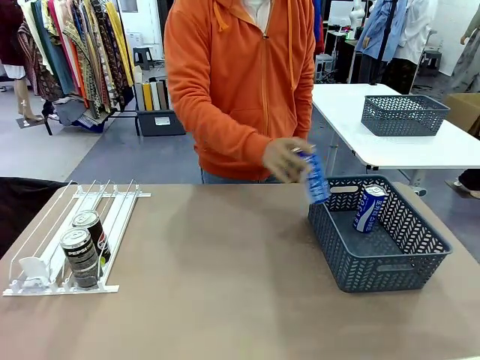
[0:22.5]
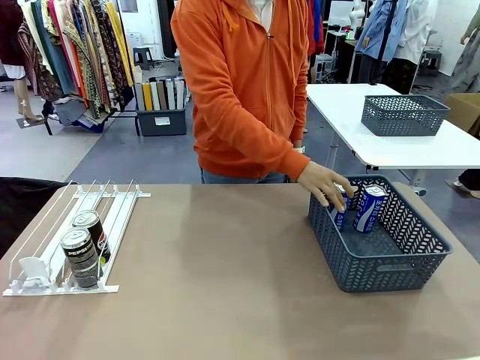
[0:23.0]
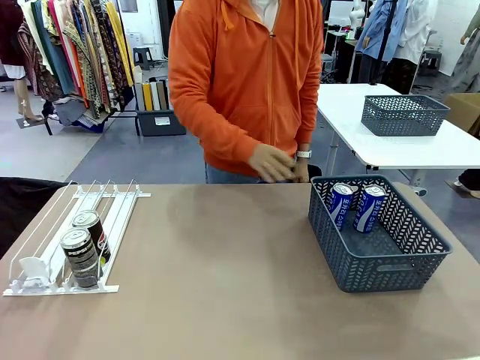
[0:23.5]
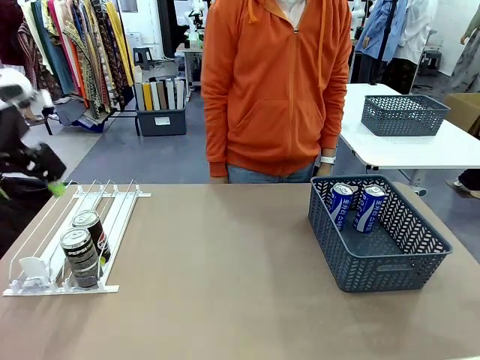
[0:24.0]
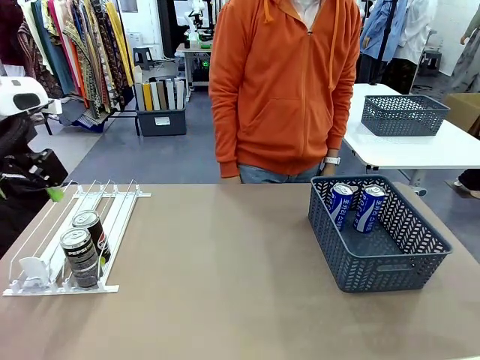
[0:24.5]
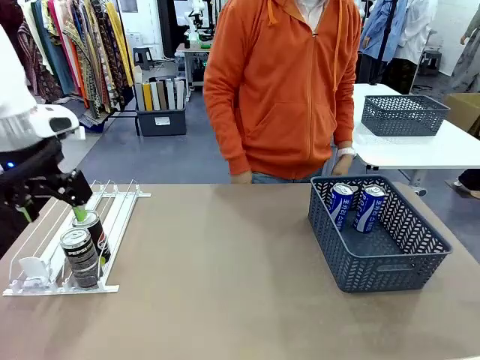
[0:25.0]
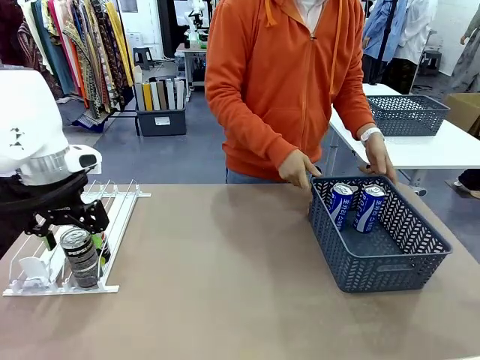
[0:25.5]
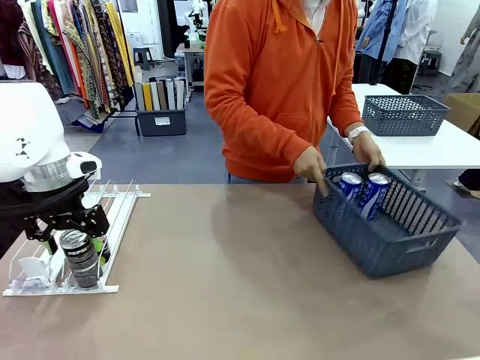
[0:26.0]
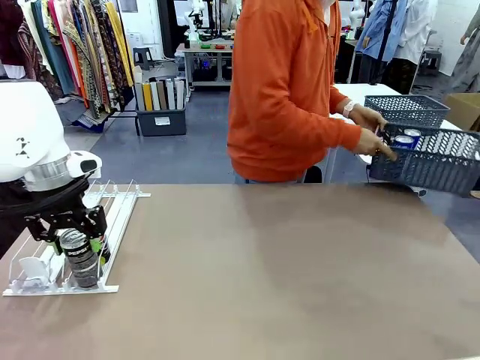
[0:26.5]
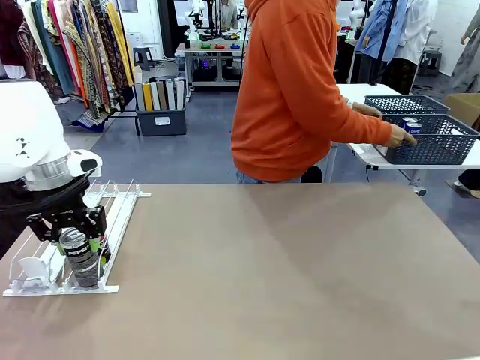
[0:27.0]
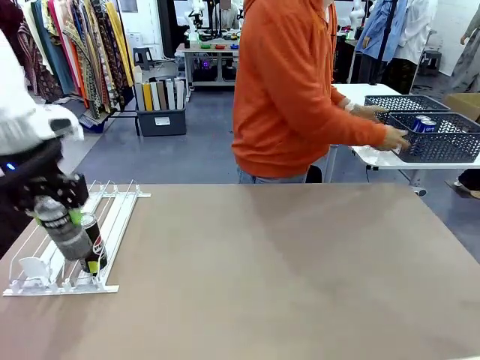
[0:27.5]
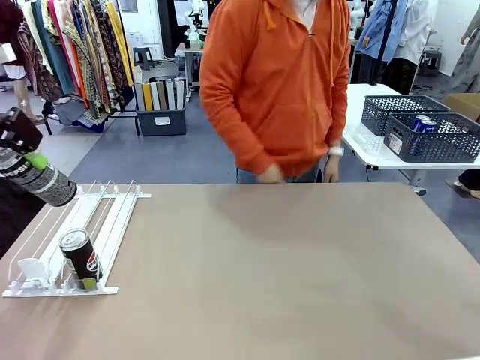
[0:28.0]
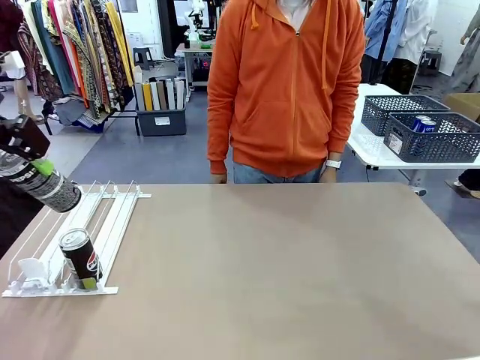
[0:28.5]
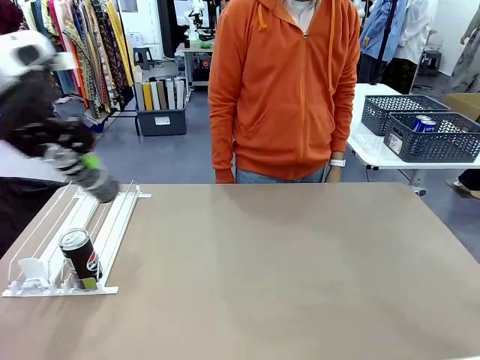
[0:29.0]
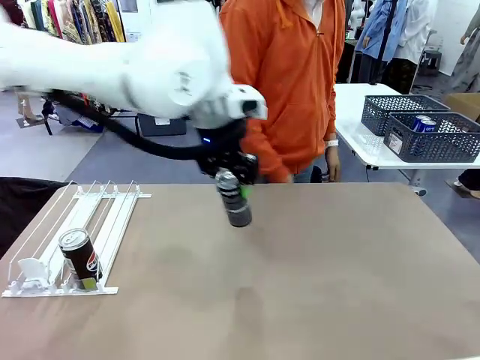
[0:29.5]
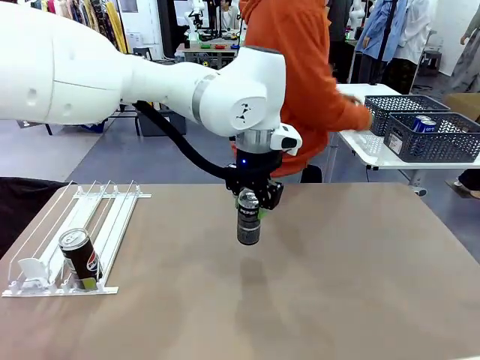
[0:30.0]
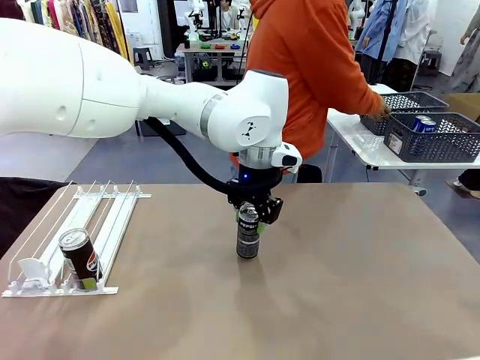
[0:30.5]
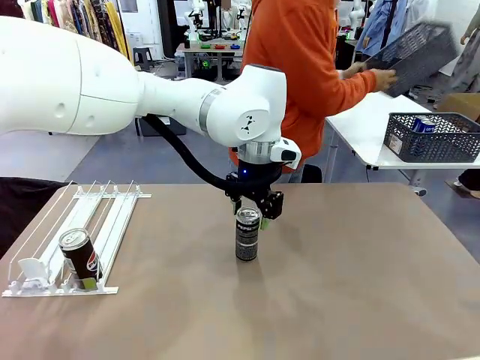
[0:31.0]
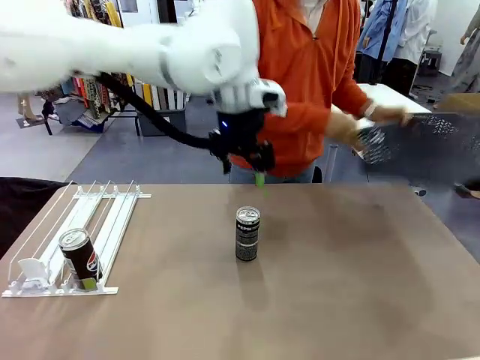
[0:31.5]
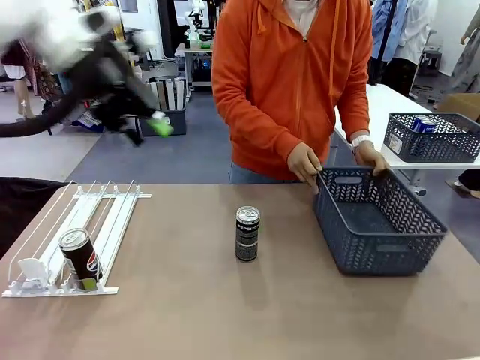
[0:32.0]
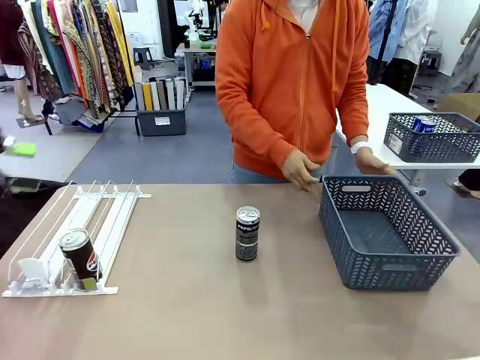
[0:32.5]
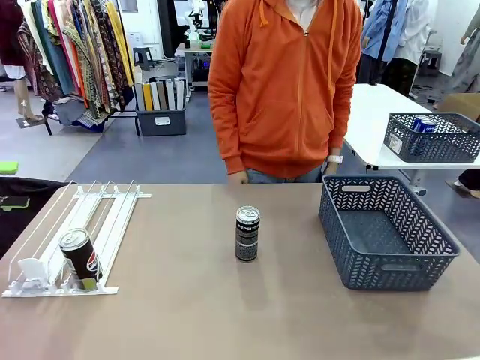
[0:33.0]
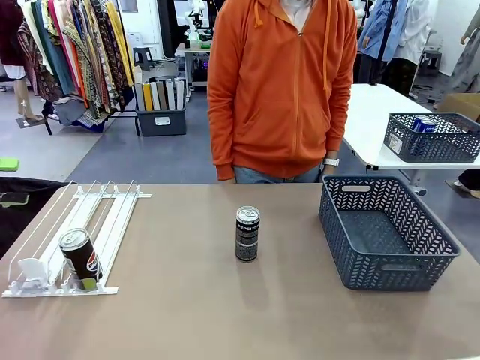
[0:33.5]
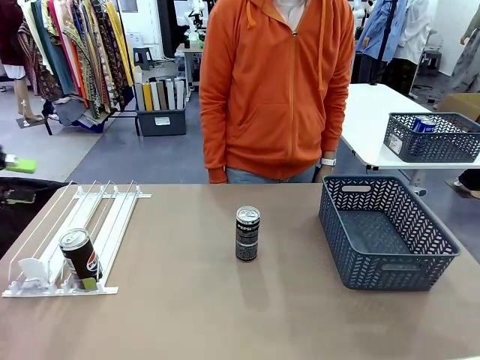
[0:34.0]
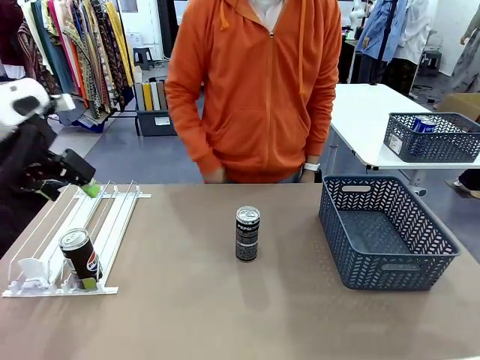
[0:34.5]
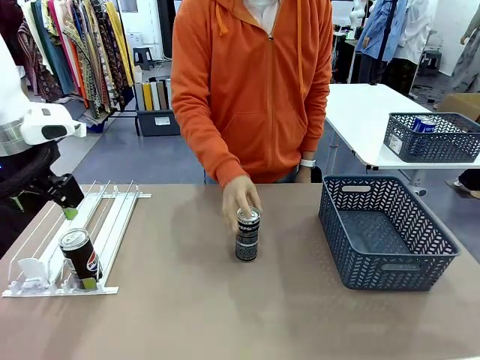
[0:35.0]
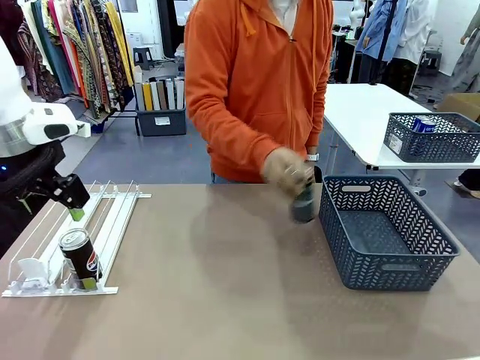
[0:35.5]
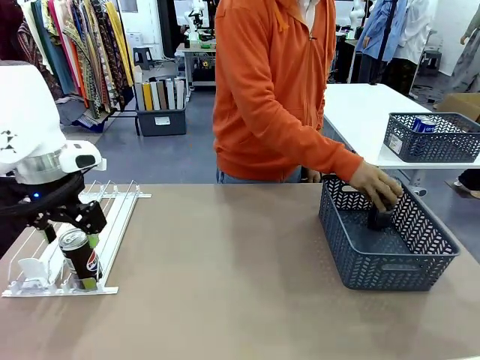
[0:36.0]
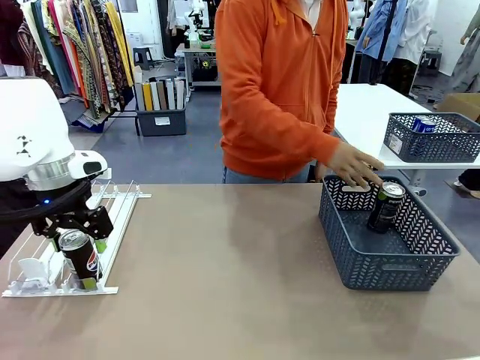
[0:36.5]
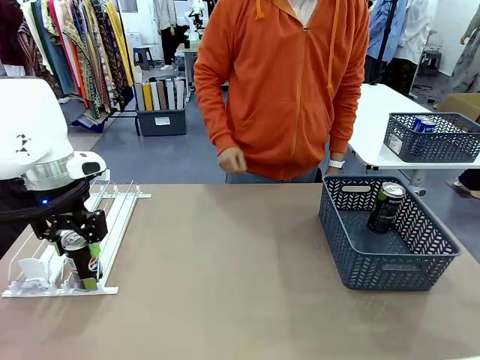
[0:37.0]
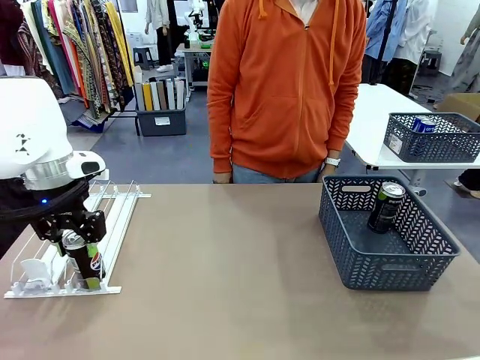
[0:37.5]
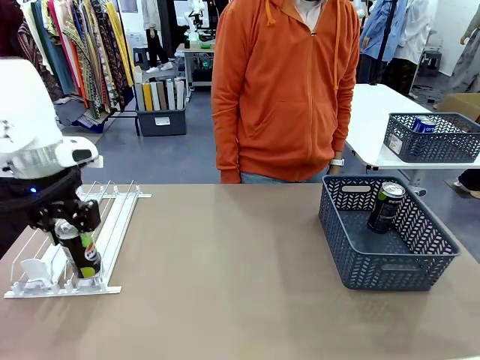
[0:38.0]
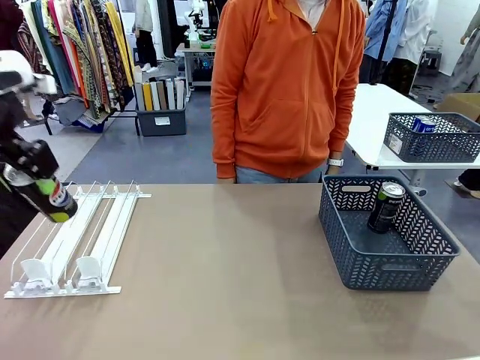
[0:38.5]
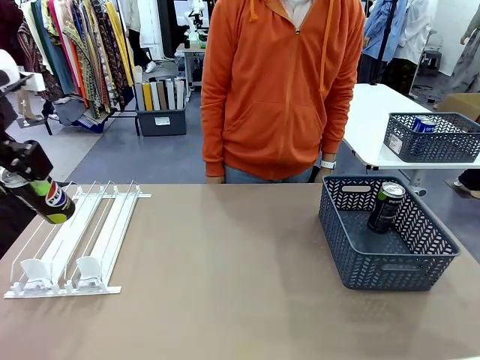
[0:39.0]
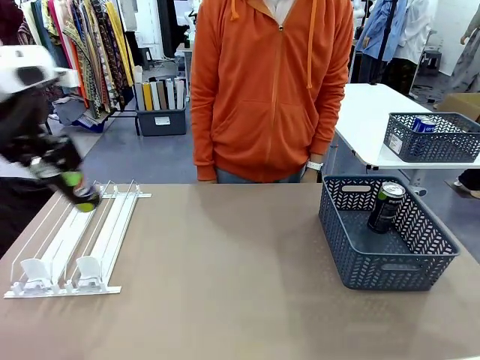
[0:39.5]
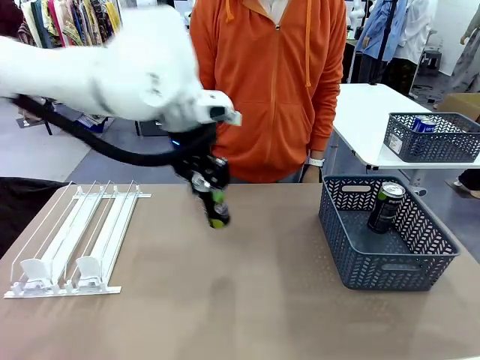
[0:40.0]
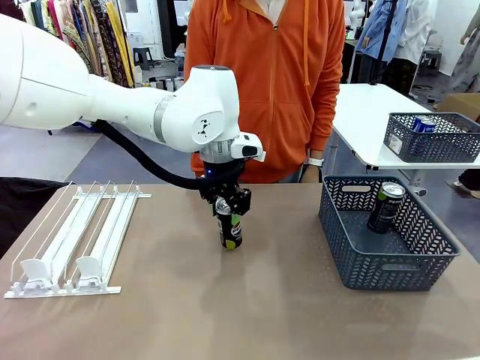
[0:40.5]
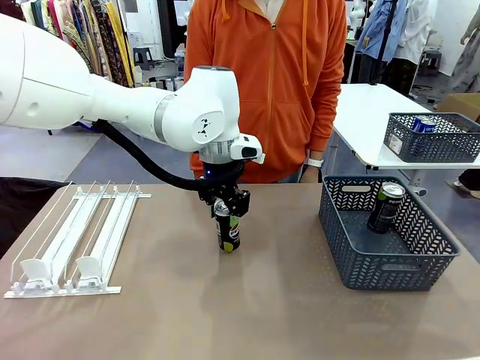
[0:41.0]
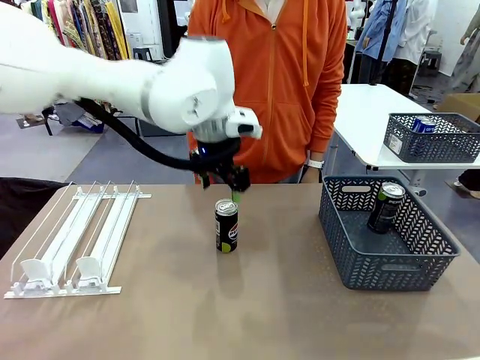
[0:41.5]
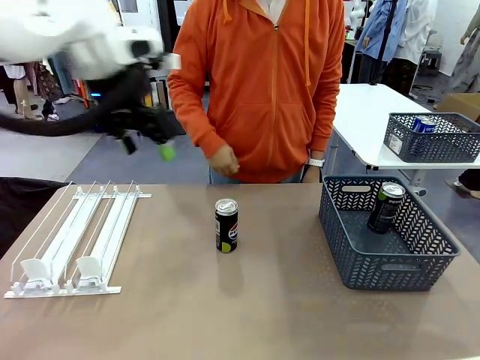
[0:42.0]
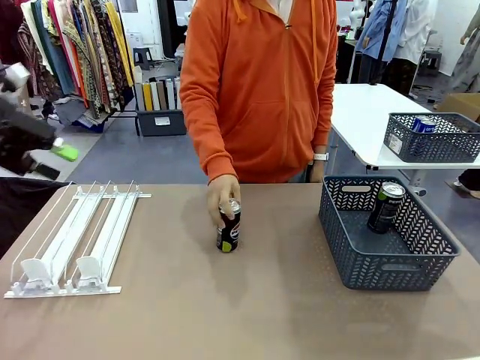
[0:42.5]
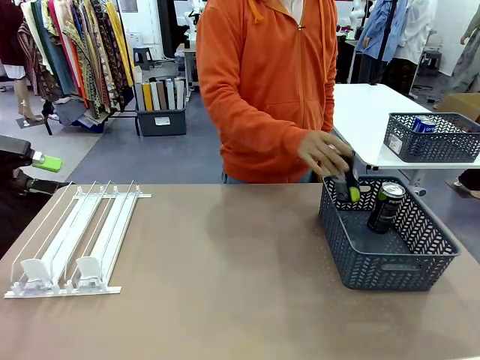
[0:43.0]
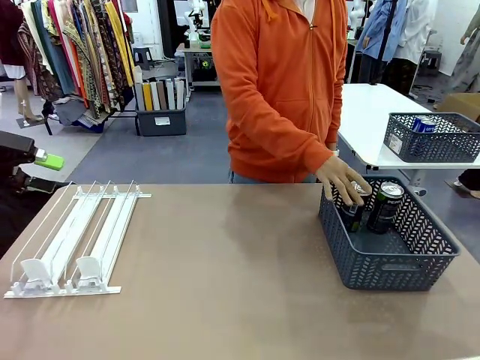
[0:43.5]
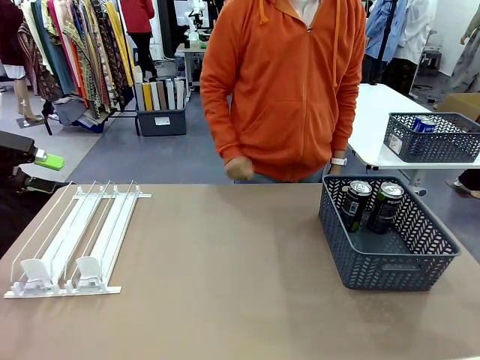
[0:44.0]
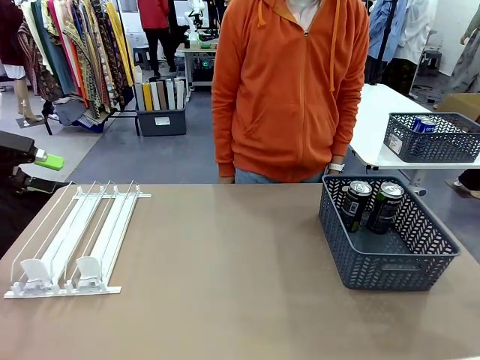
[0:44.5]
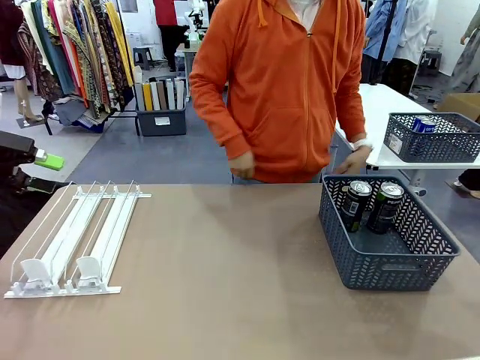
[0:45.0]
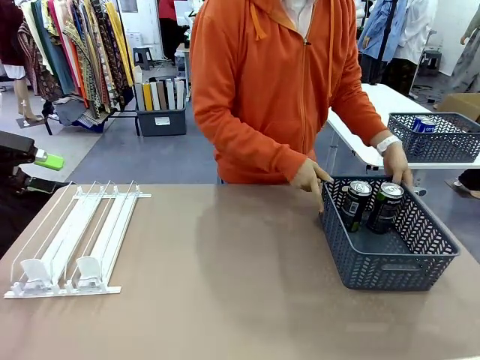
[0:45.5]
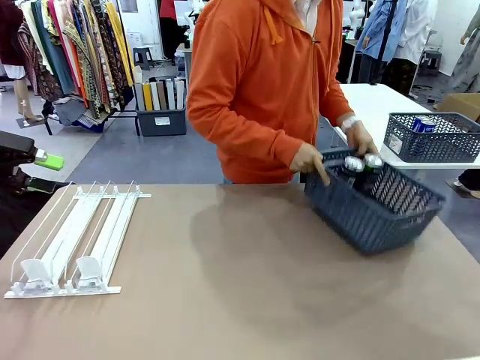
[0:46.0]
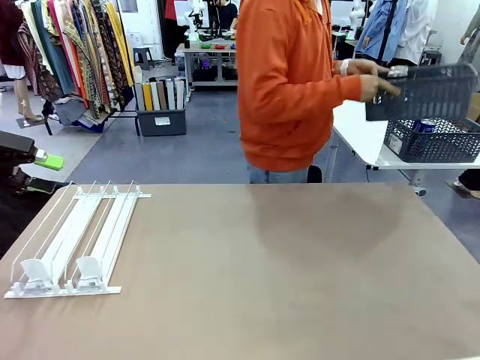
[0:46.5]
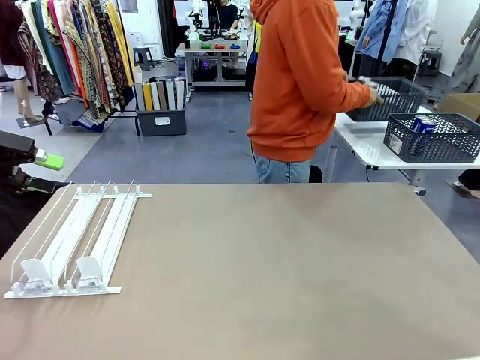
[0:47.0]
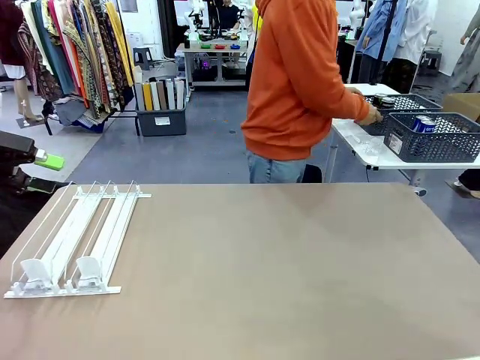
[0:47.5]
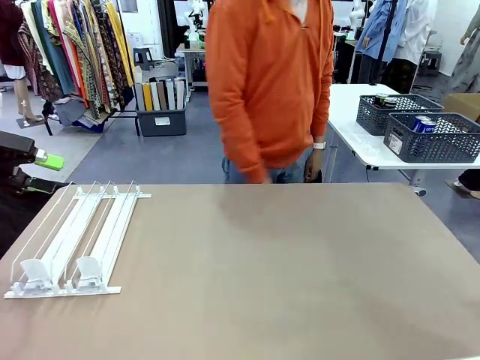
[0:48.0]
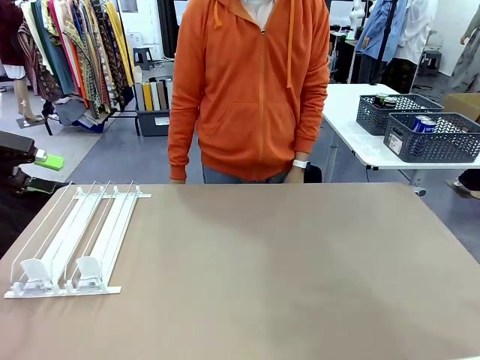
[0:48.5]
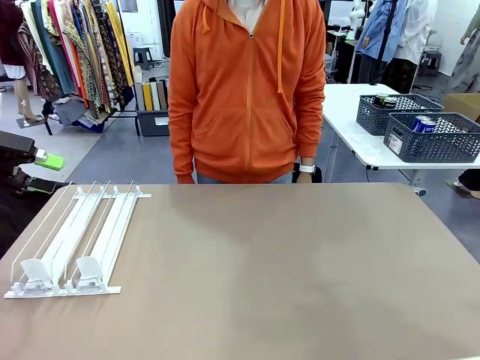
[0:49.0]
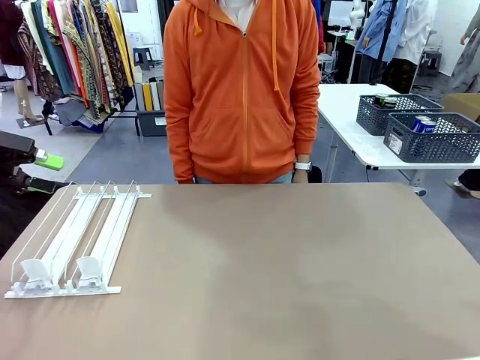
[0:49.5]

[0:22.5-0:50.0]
Task: Retrieve and store the cans from the dispenser.
Robot: Pick up one can from the Automatic Can Dispenser and place it in the middle of the table.
Person: Pick up the basket and place it in the middle of the human table. Pick up the empty basket and place it on the left side of the robot table. Pick up one sports drink can from the middle of the robot table and place it in the basket. Pick up the basket and place it in the middle of the human table.
